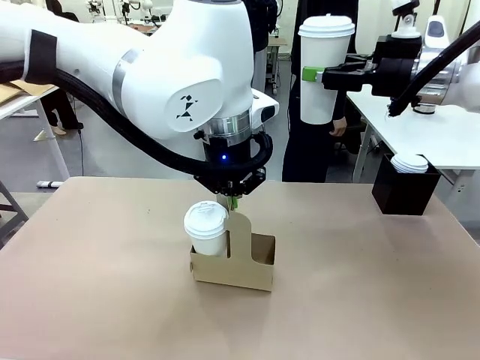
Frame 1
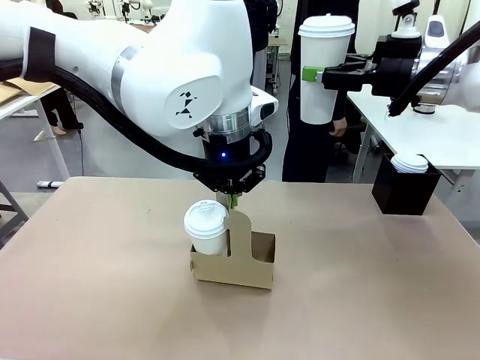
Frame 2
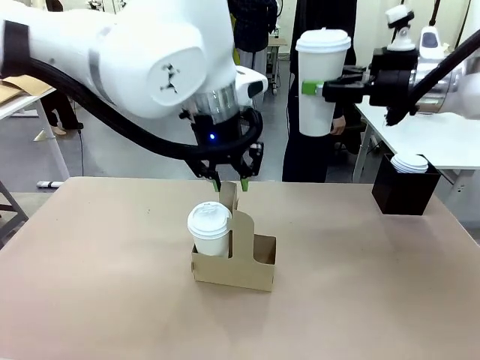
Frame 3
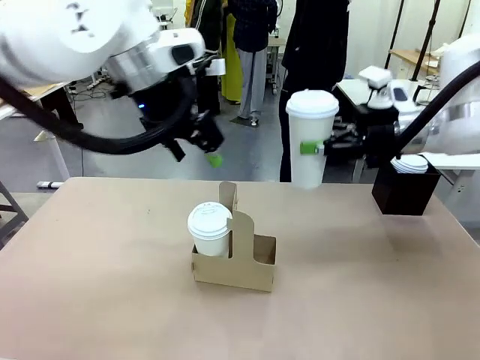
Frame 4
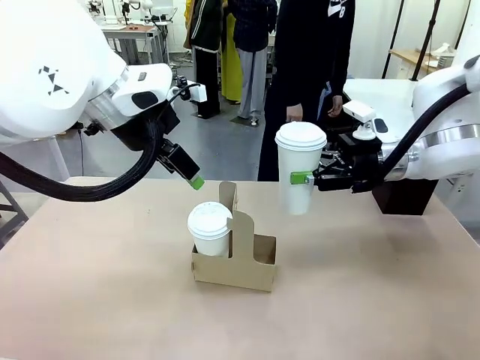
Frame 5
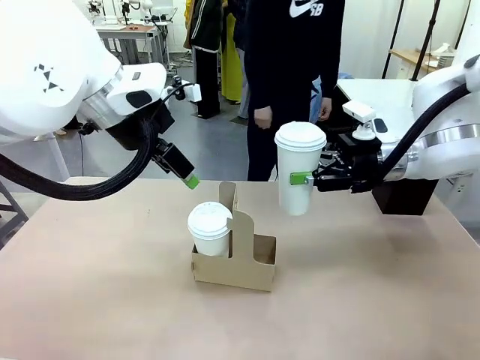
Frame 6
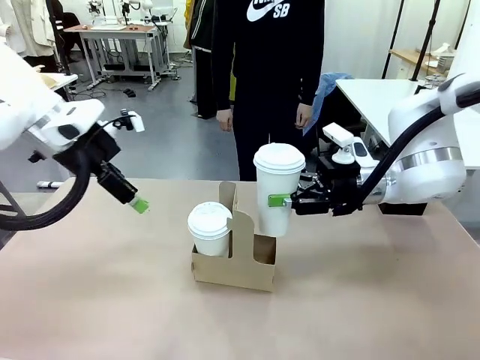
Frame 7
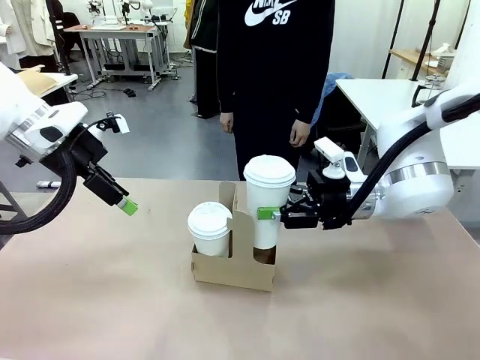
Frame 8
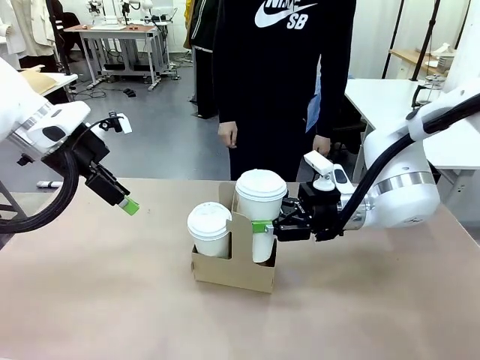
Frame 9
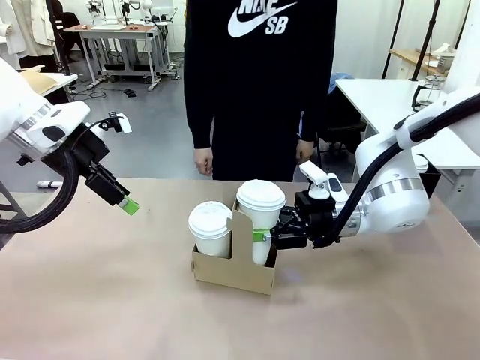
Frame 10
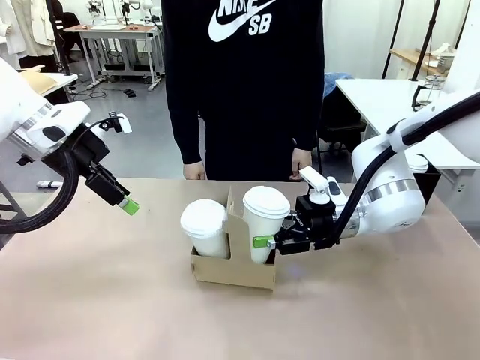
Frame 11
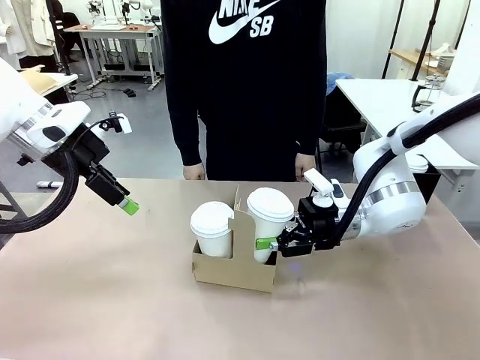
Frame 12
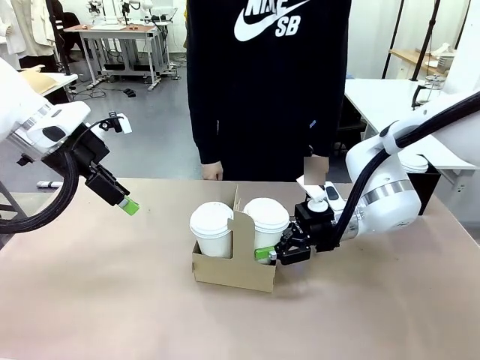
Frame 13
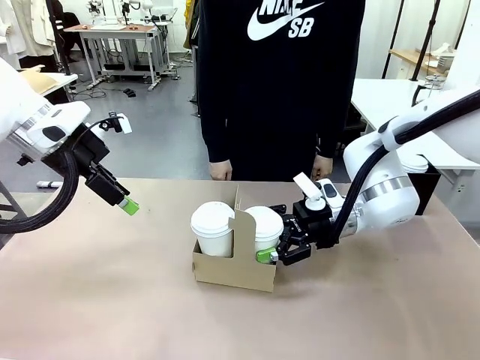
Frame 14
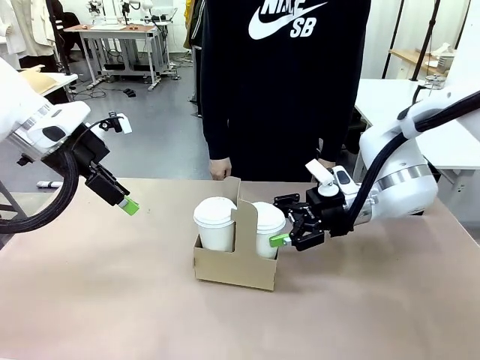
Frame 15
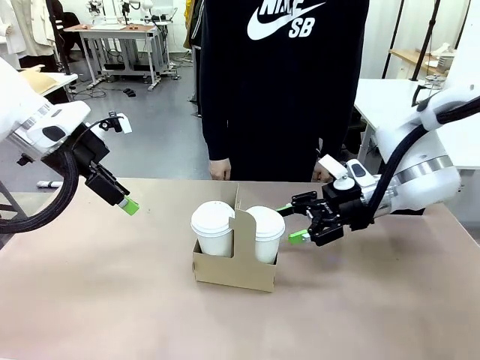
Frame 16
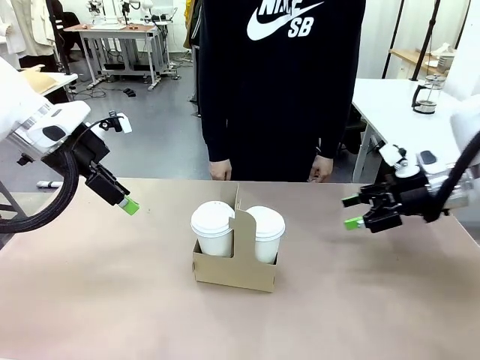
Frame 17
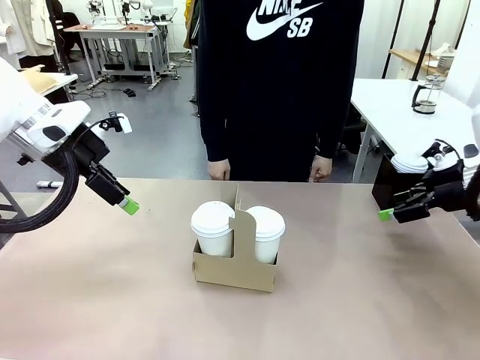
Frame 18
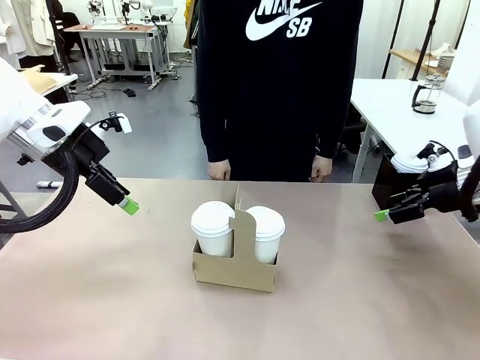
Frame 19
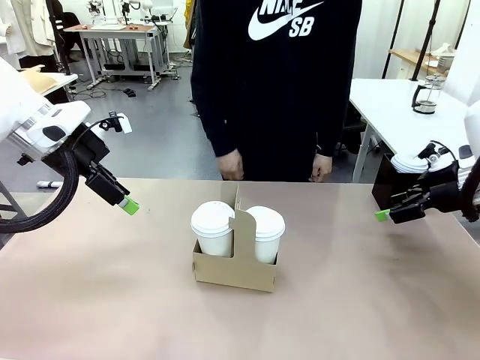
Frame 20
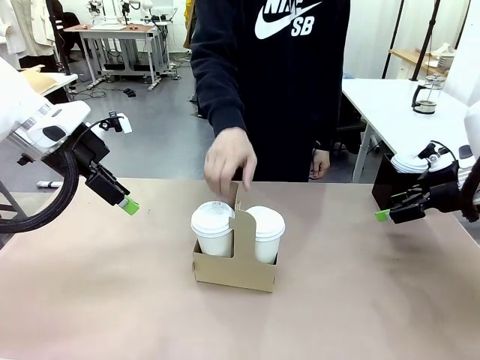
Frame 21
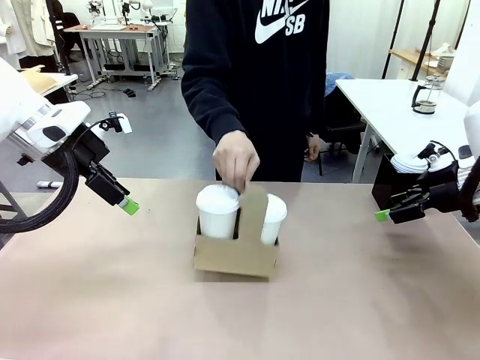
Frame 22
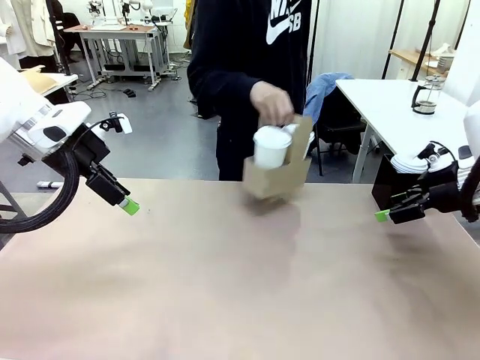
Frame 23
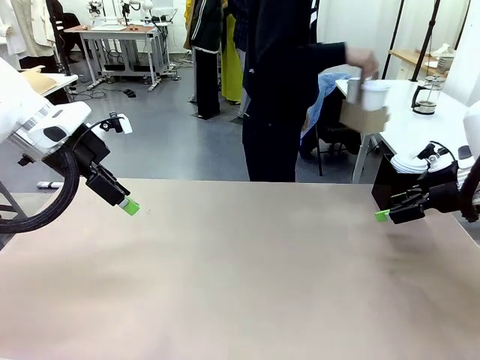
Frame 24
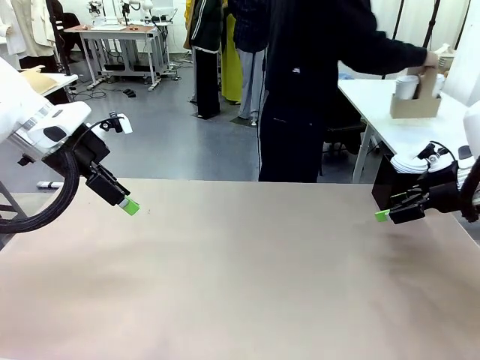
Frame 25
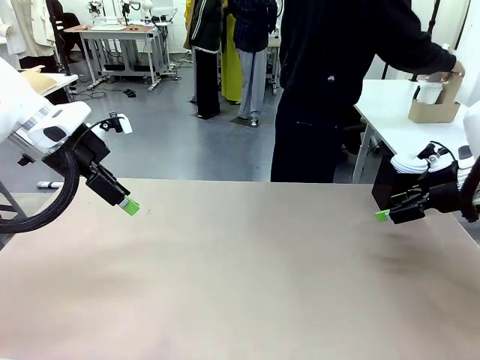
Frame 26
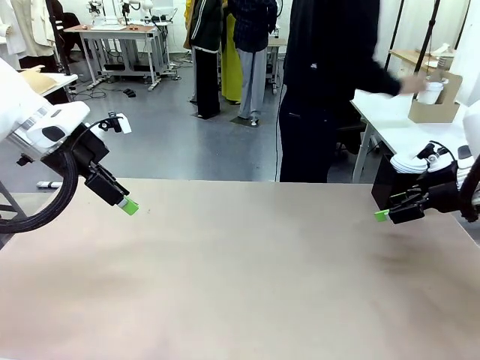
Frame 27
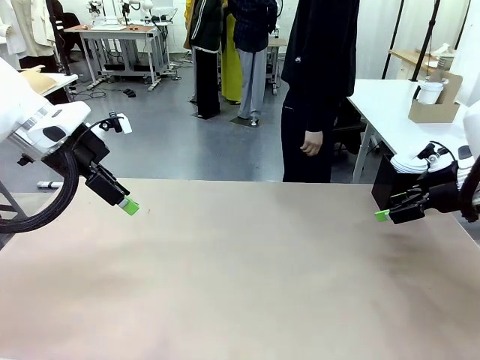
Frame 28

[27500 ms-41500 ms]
Task: Pour a drink into a cup and package it in a carrier.
Robot: Insert the held 600 ml Paper Cup into the Cup Carrier.
Person: Place the Cup Carrier to the middle of Human table.

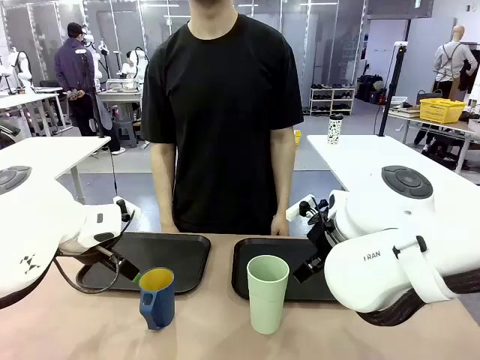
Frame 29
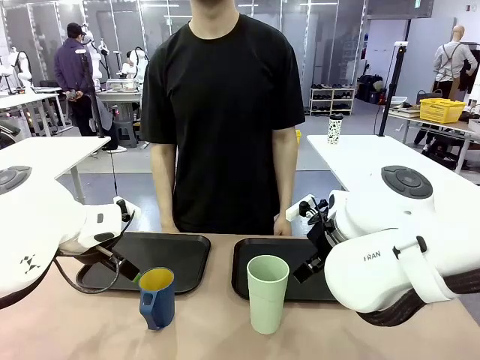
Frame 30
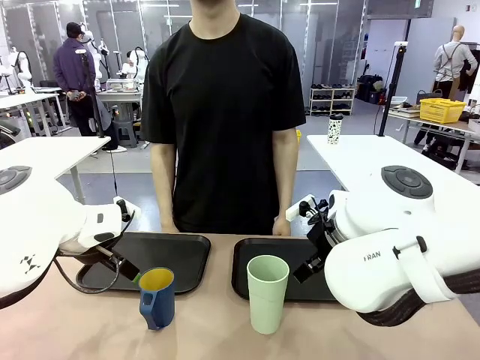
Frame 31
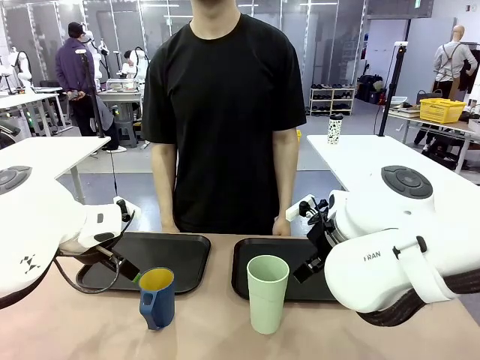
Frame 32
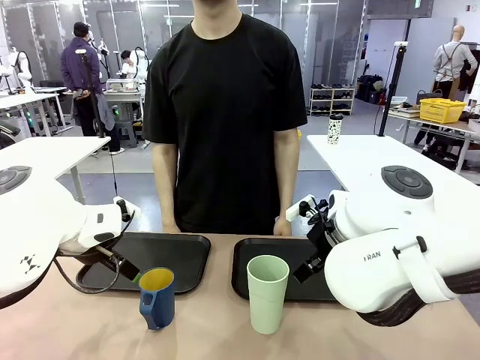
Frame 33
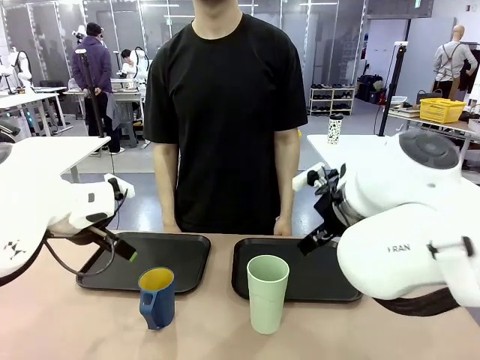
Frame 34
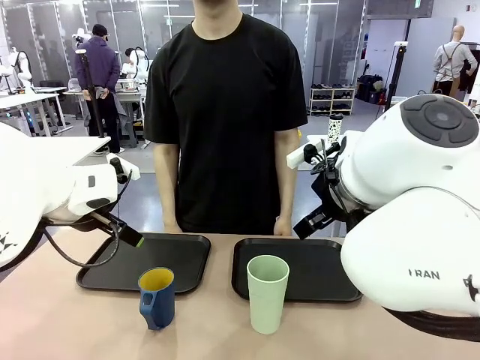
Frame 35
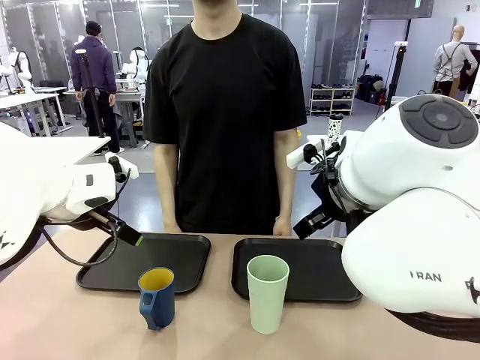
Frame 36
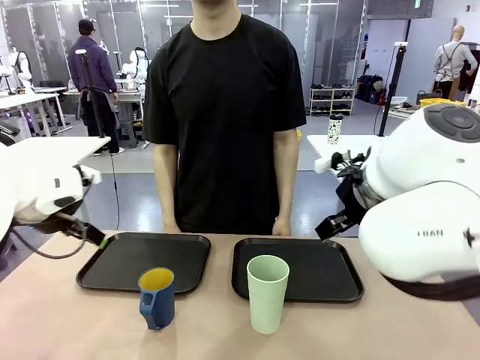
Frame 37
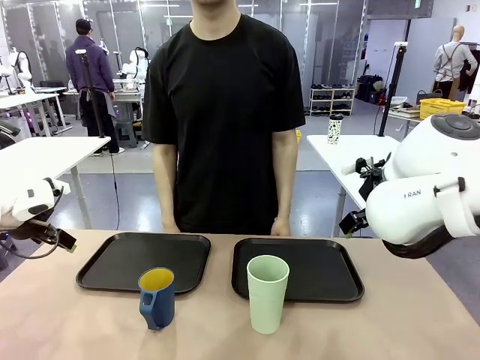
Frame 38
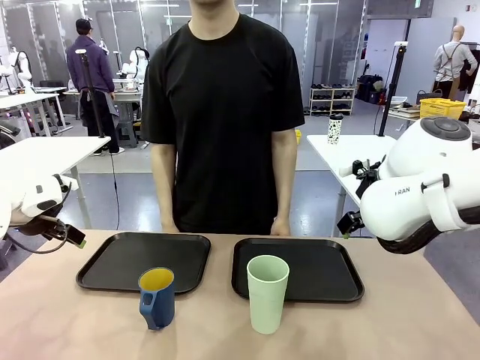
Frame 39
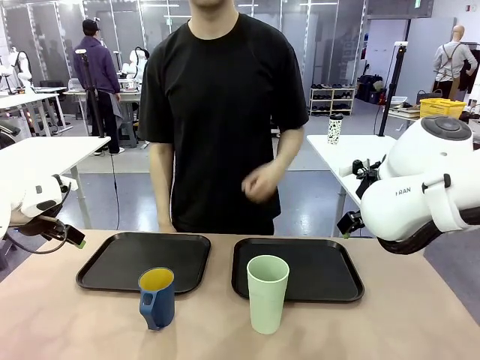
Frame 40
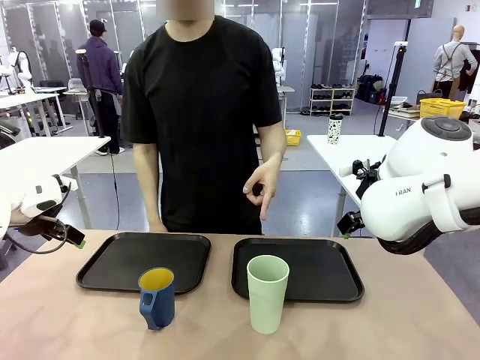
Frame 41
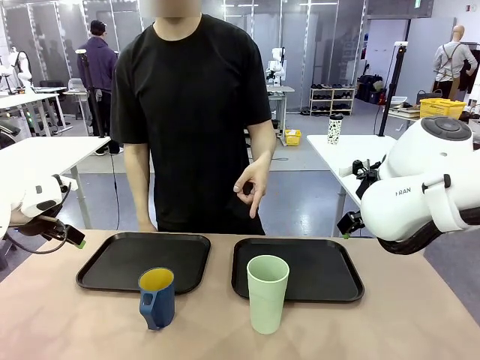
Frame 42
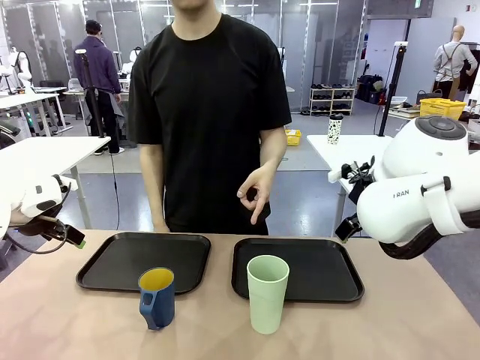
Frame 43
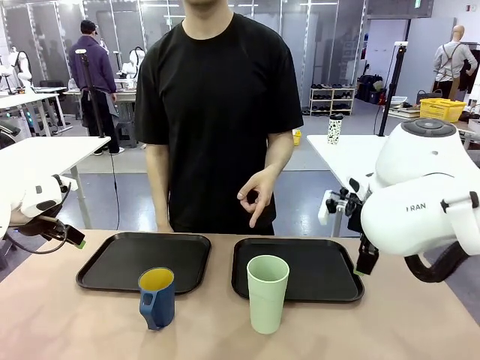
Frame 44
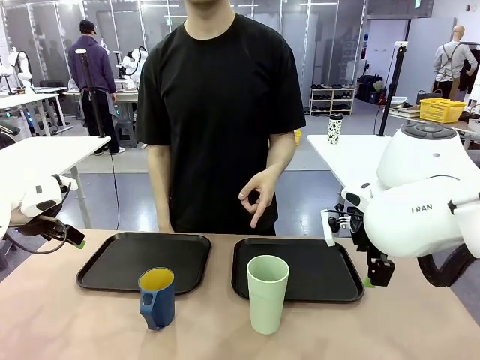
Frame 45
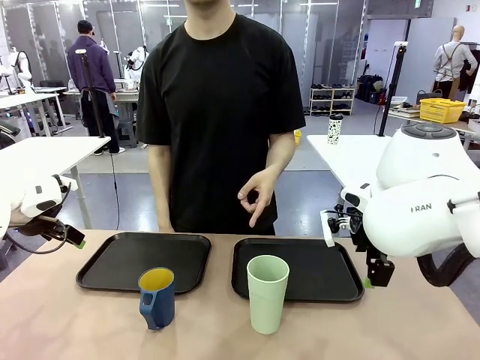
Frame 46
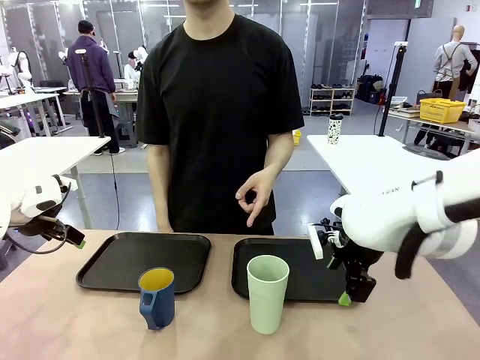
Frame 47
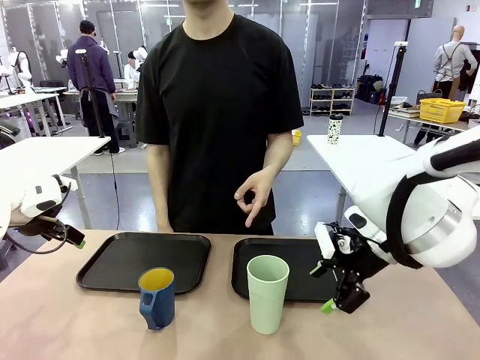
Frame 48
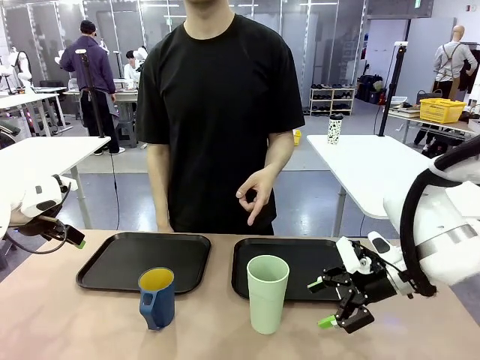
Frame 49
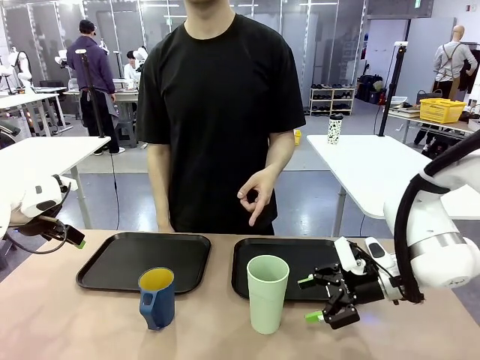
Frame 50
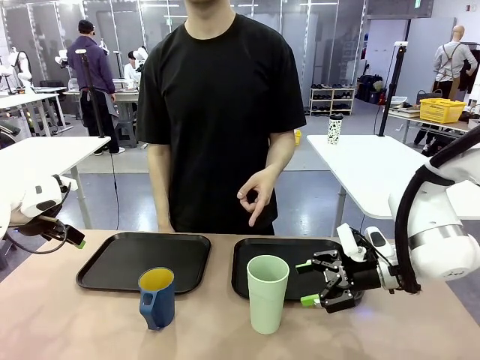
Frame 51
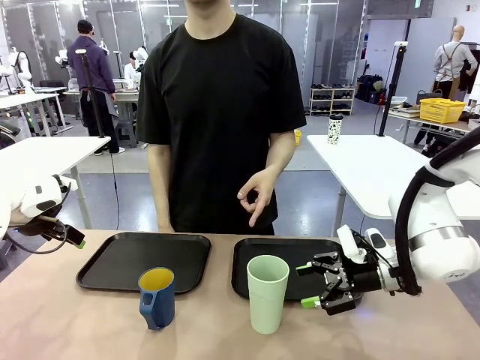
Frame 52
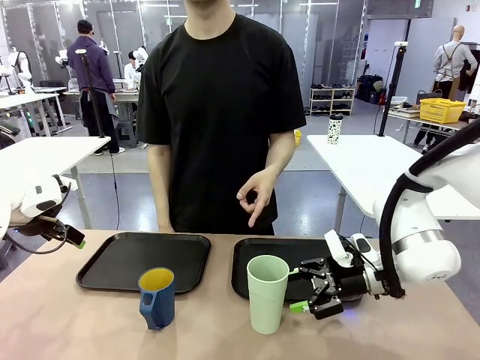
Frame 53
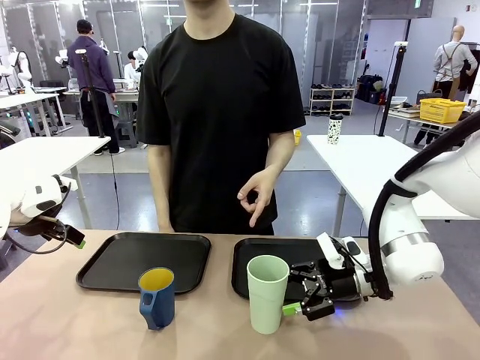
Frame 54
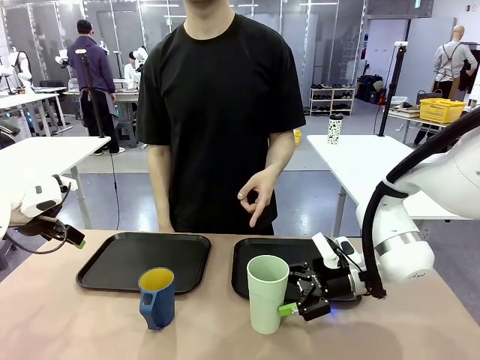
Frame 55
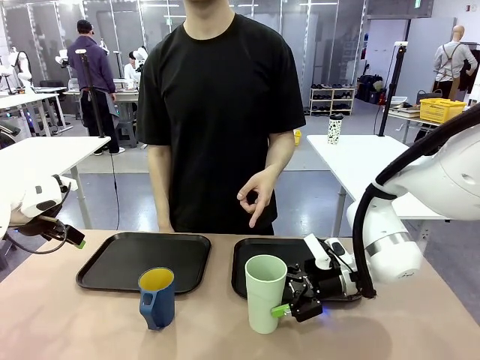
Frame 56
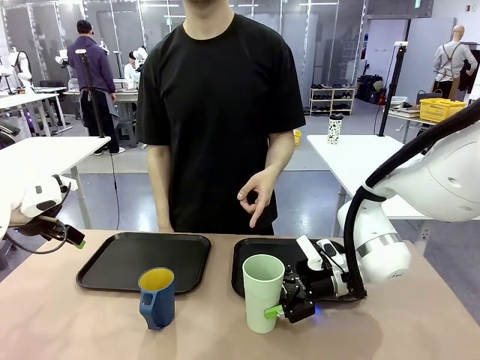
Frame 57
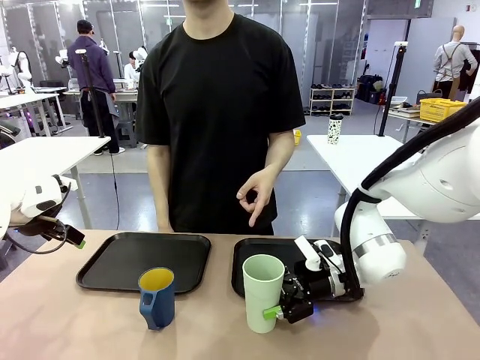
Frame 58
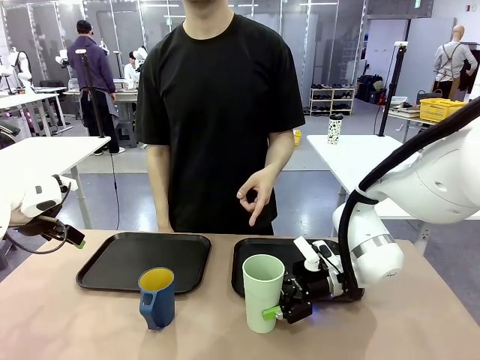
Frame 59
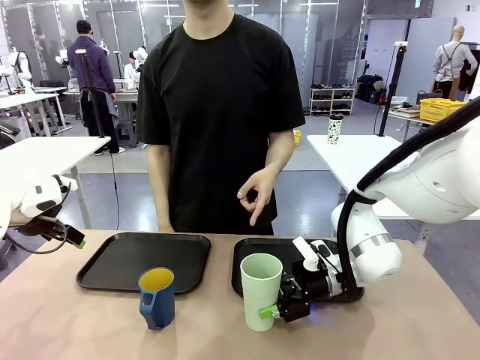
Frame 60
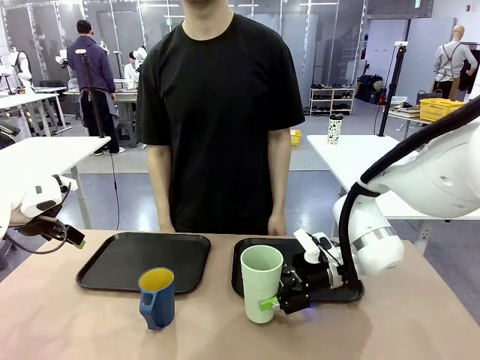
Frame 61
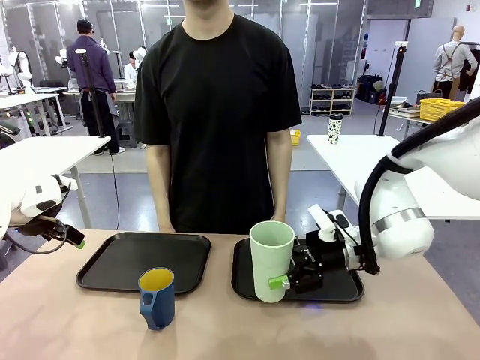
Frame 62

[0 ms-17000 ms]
Task: Sort and store the cups by type.
Robot: Pick up the Reusable plastic cup.
Person: Points to the reusable cup. Point to one of the two trays.
